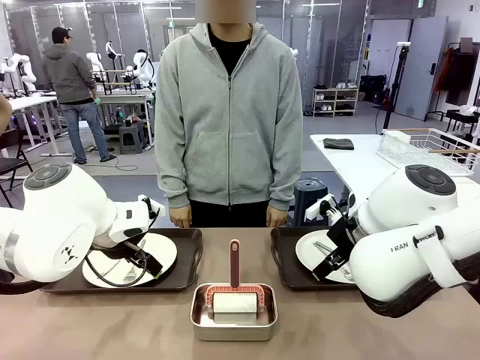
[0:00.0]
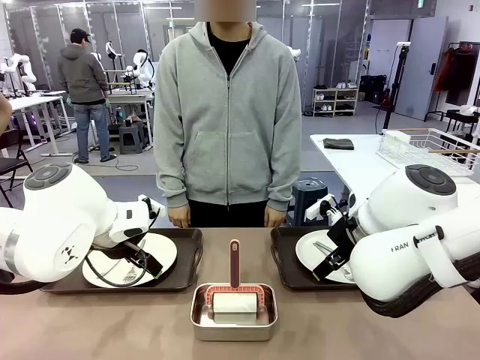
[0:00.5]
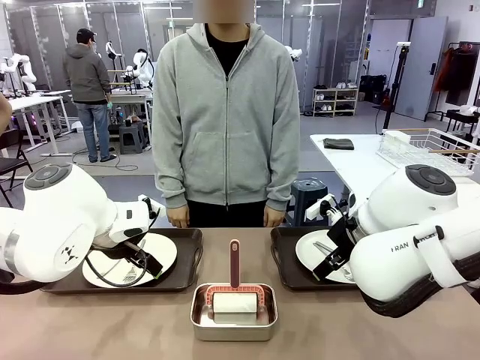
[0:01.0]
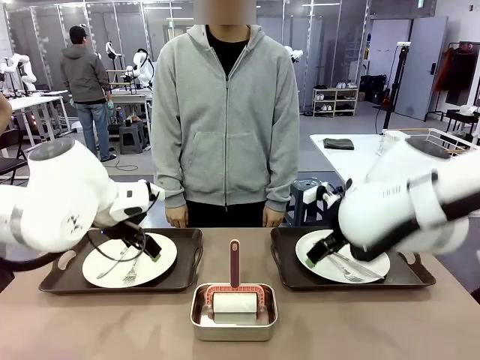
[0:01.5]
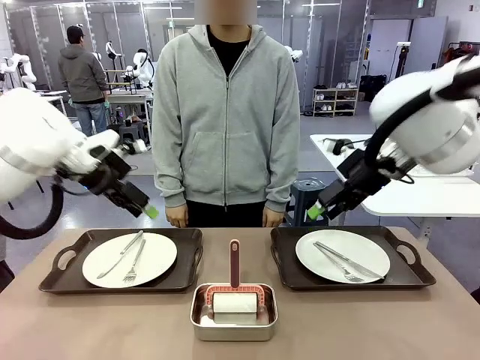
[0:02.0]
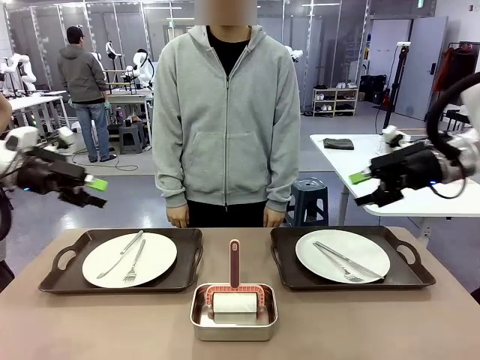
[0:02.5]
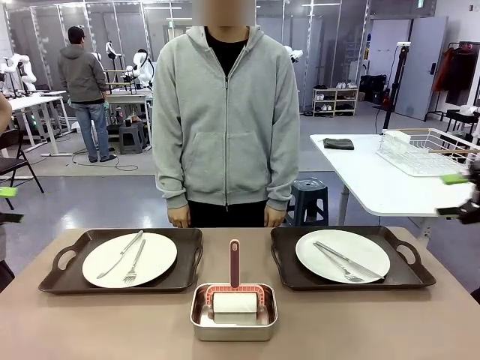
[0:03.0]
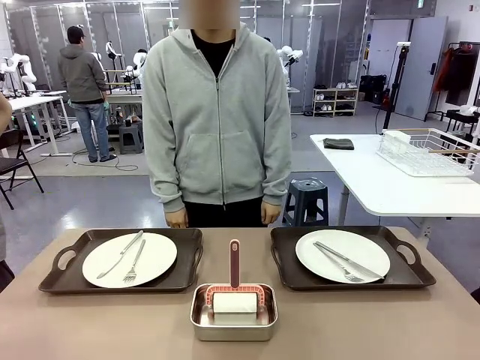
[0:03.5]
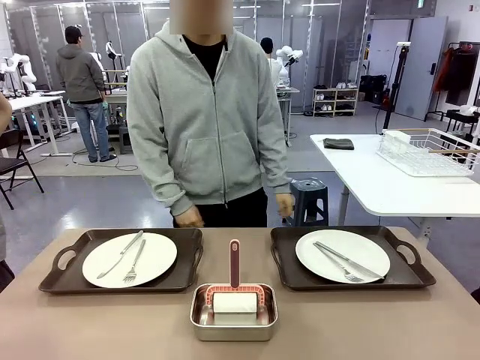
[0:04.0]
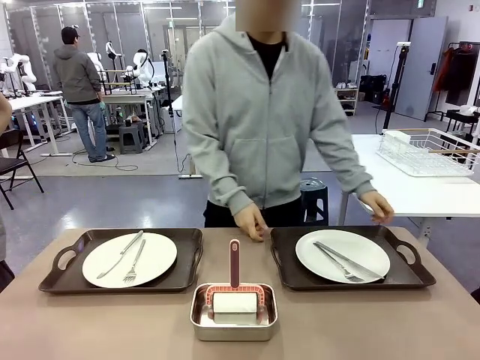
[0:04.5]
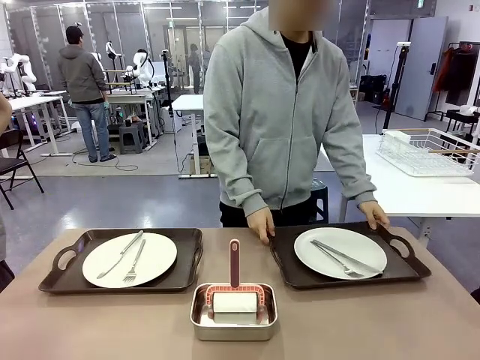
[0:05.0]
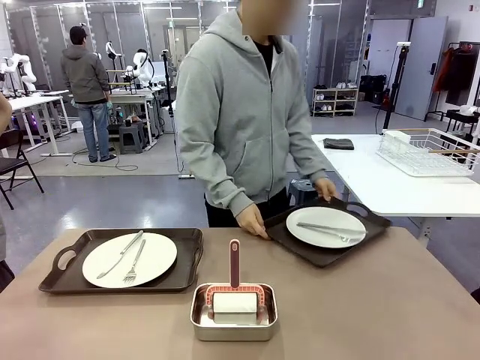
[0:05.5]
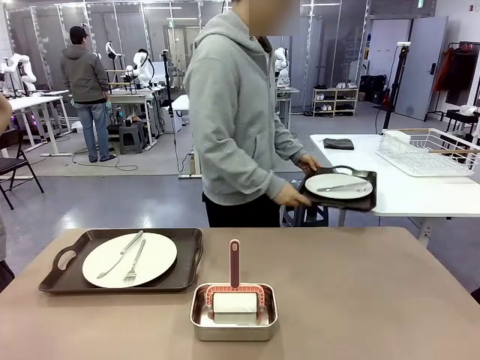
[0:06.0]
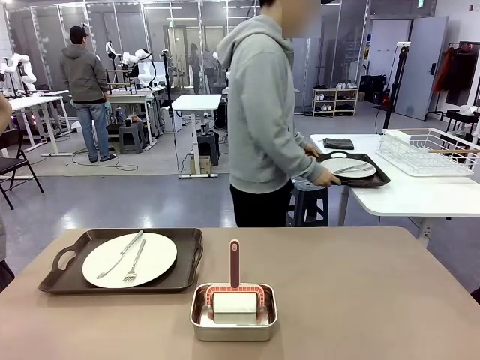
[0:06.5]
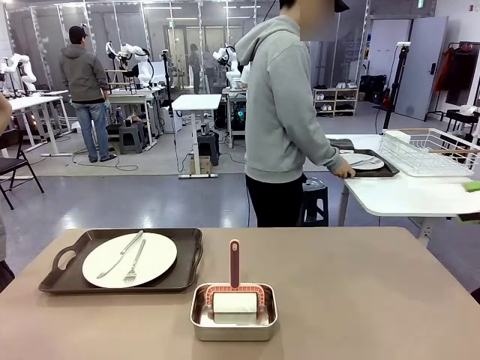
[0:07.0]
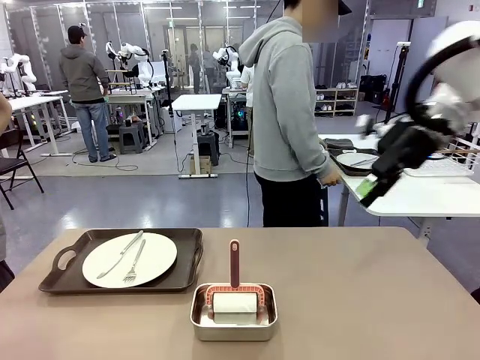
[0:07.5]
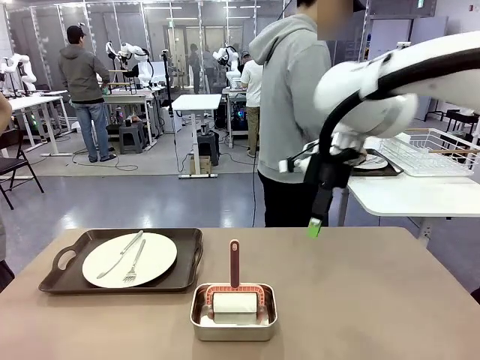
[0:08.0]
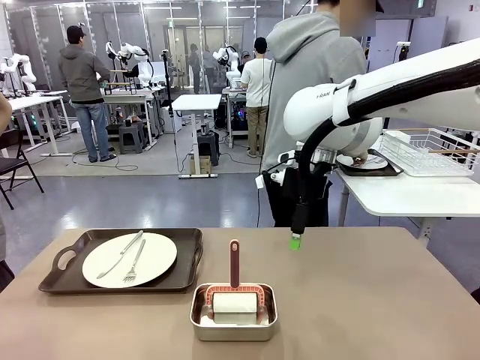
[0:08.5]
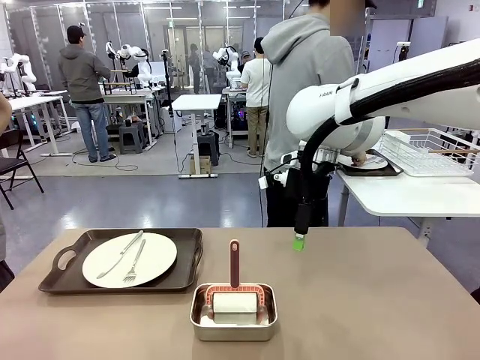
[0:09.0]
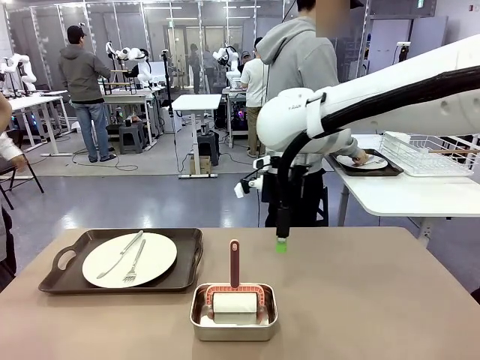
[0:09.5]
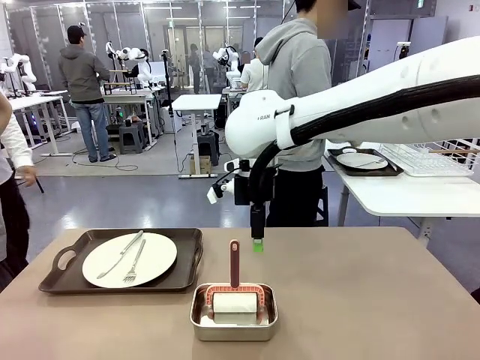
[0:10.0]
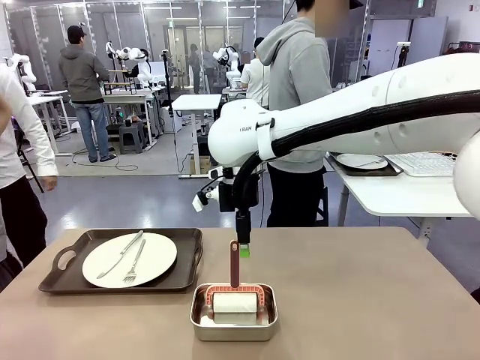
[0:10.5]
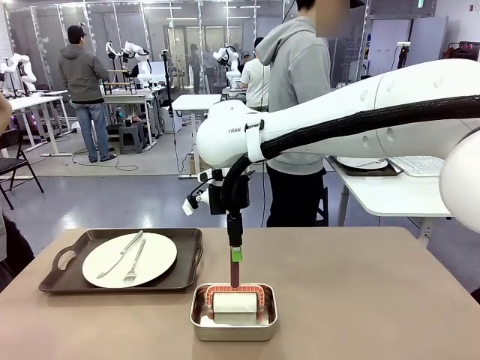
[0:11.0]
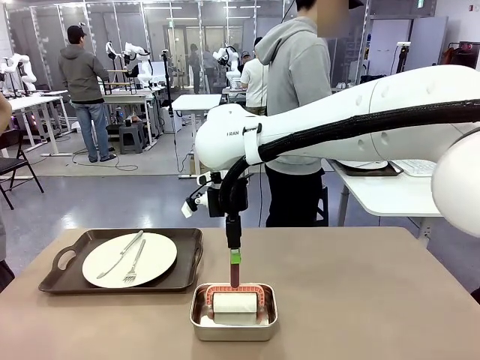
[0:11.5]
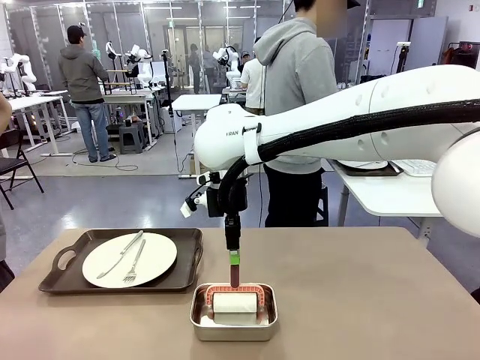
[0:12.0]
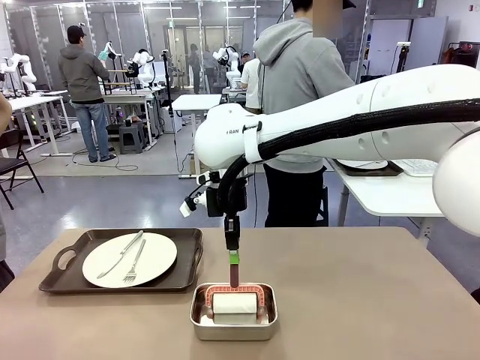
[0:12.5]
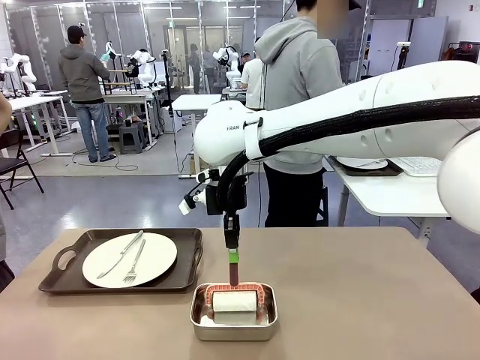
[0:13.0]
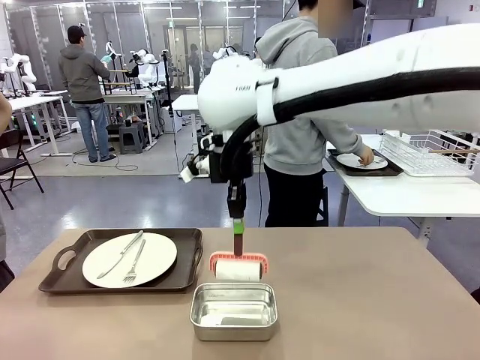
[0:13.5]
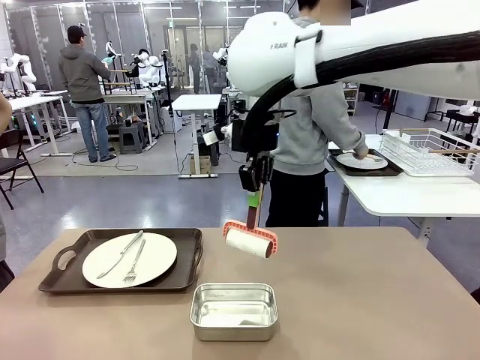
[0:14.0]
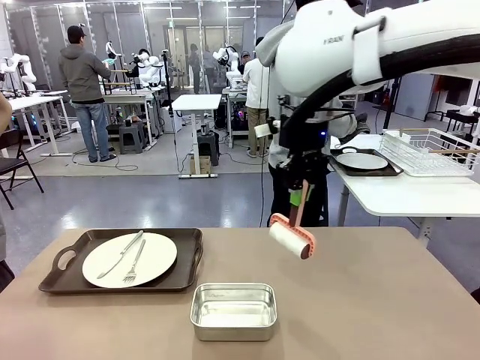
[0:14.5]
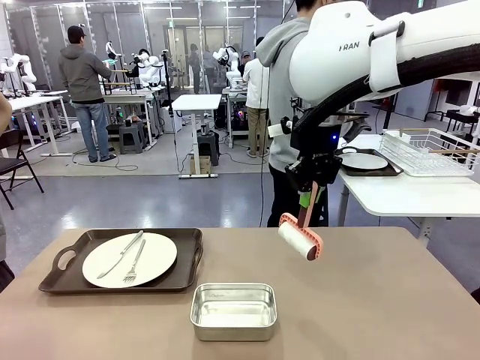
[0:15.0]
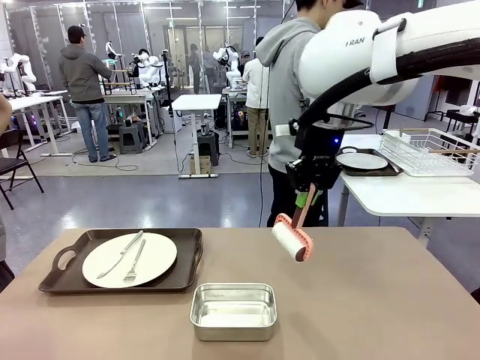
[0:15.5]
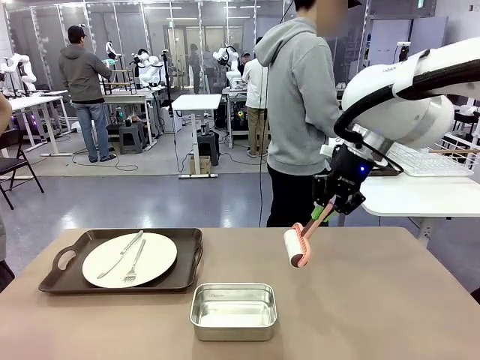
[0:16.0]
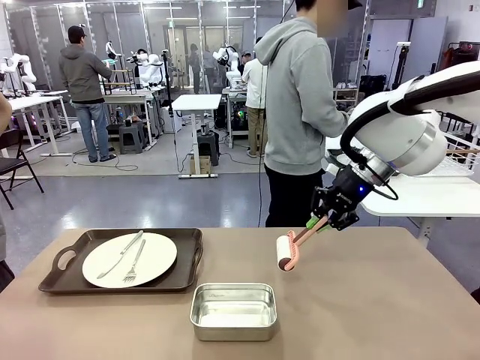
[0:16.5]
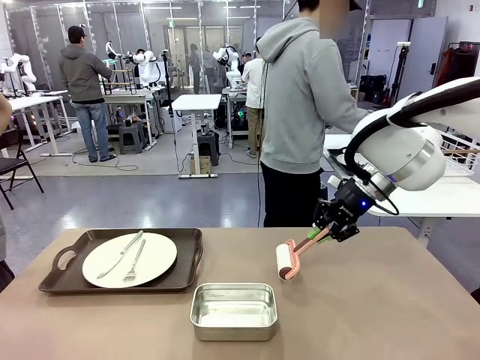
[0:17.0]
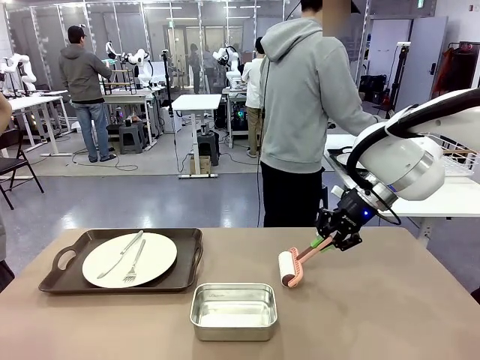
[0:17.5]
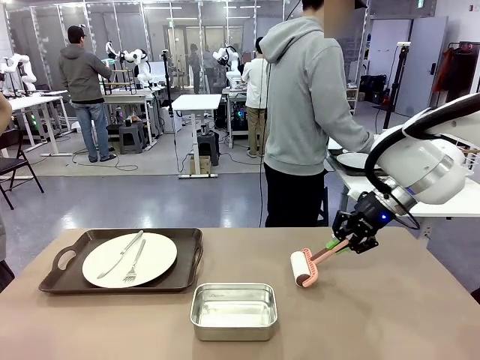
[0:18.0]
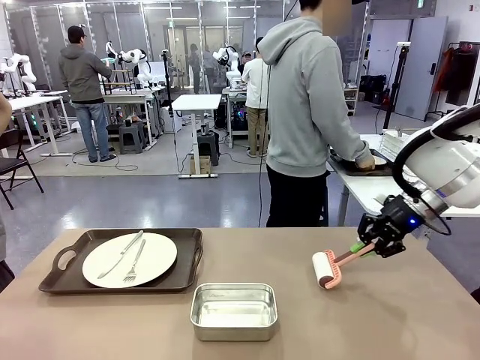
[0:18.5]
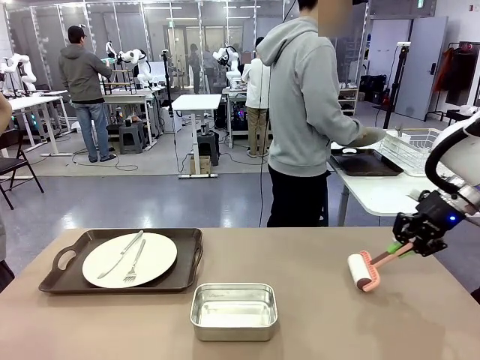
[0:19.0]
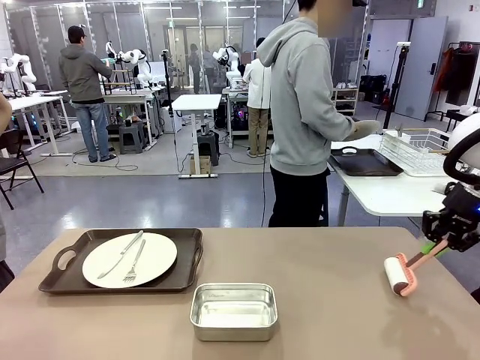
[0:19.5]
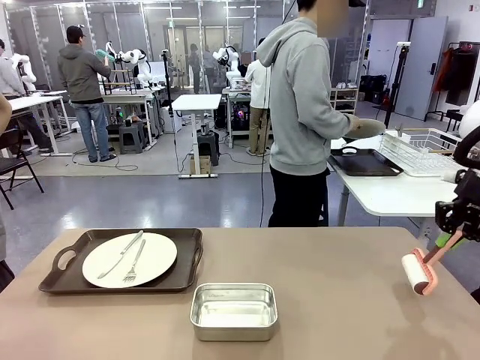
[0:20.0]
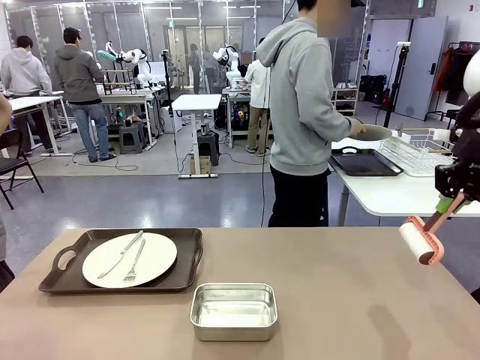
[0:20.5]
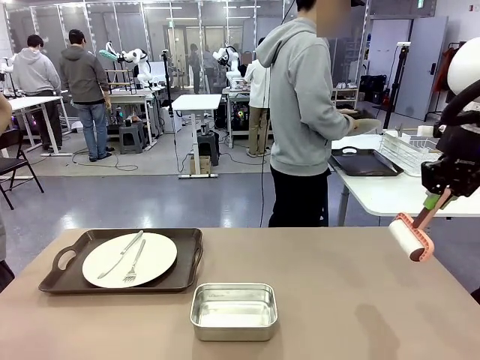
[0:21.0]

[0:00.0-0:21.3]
Robot: When the left (or right) Handle tray is removed, use the left hand (or right hand) to clean the left (or right) side of the table with the Lint Roller.
Person: Pick up the left (or right) Handle tray and place it on the middle of the Human's table. Use the Towel with hook to wipe the Plastic Matte Plate , Fork , and Knife and place into the Dish drying rack.
